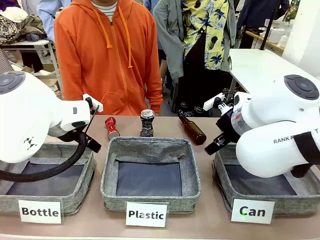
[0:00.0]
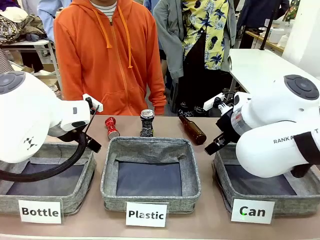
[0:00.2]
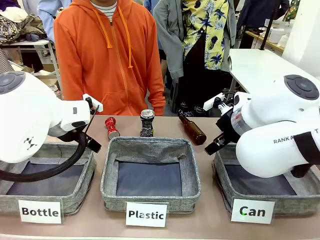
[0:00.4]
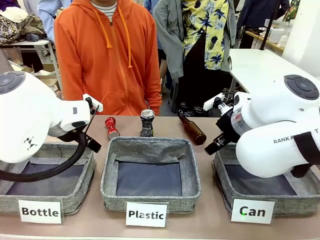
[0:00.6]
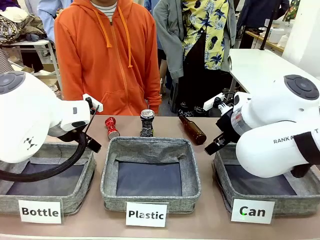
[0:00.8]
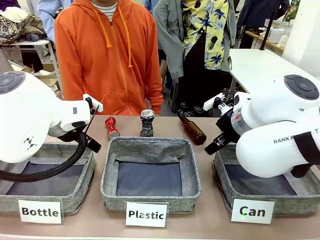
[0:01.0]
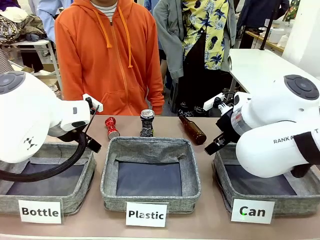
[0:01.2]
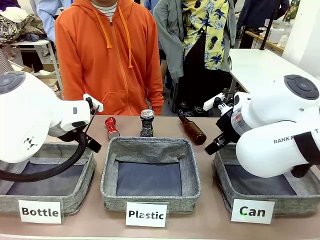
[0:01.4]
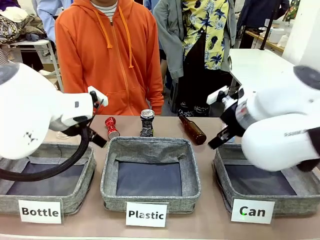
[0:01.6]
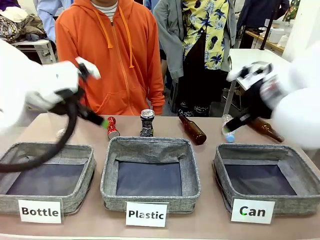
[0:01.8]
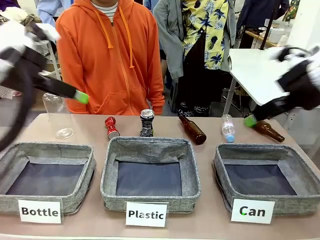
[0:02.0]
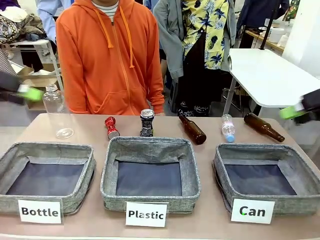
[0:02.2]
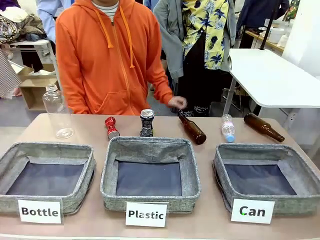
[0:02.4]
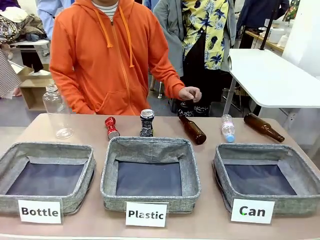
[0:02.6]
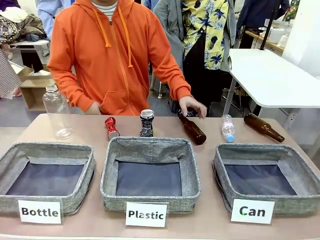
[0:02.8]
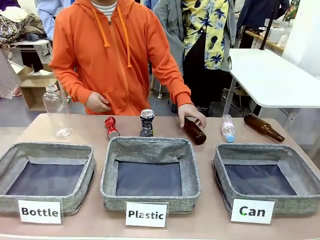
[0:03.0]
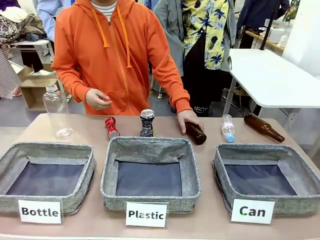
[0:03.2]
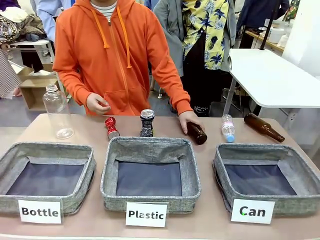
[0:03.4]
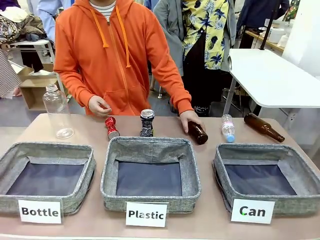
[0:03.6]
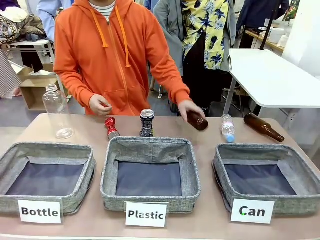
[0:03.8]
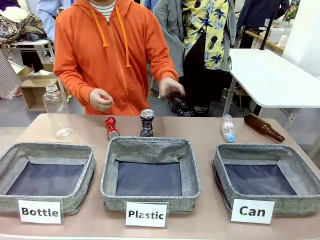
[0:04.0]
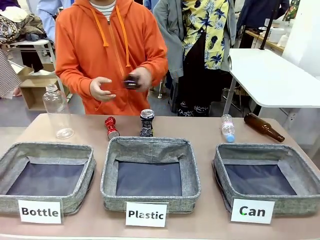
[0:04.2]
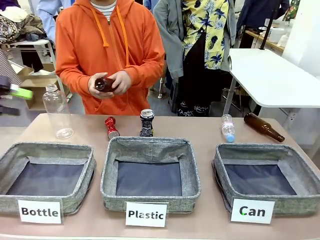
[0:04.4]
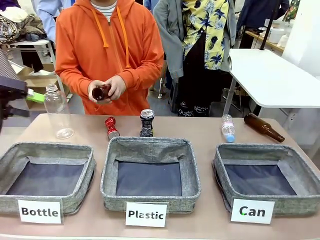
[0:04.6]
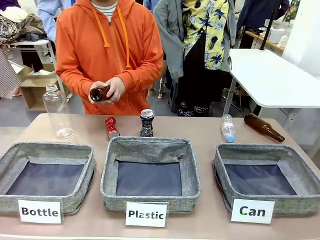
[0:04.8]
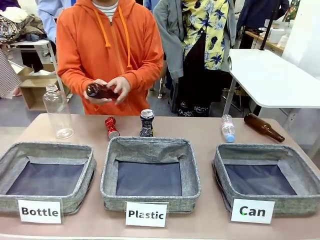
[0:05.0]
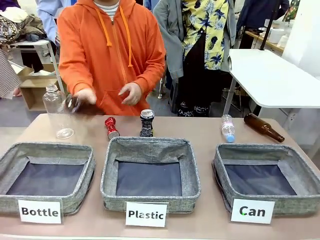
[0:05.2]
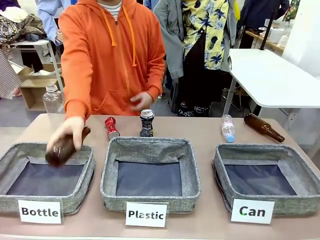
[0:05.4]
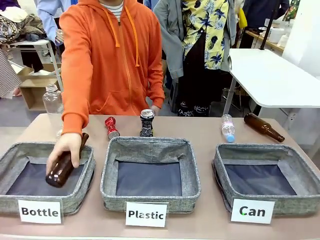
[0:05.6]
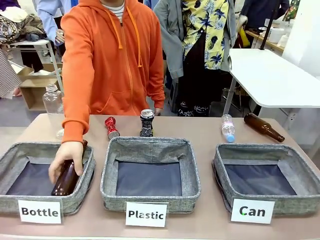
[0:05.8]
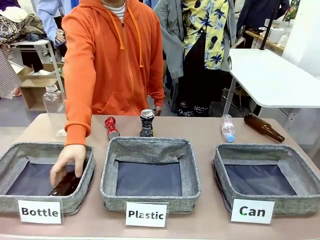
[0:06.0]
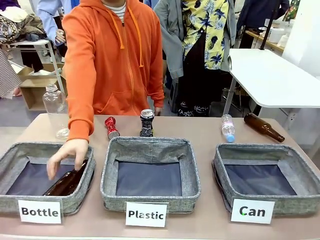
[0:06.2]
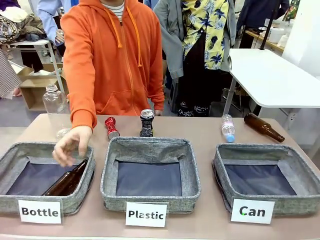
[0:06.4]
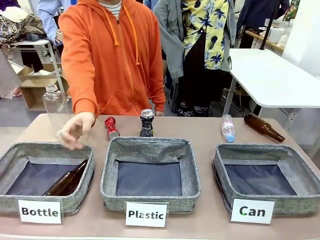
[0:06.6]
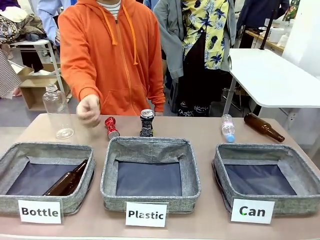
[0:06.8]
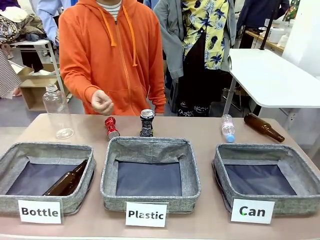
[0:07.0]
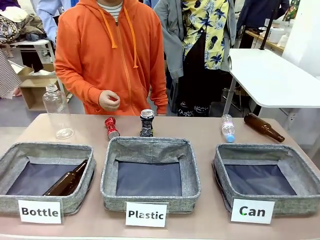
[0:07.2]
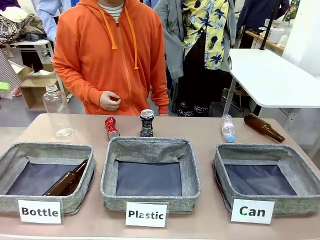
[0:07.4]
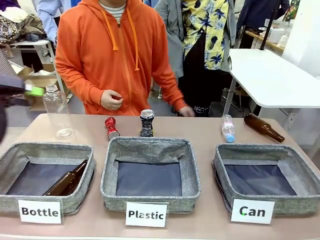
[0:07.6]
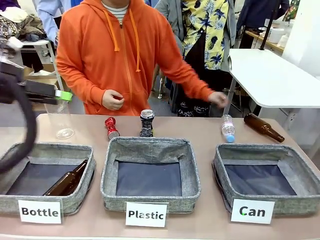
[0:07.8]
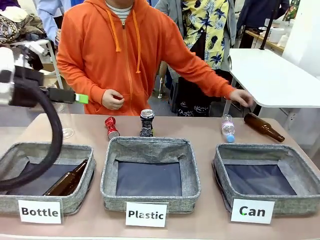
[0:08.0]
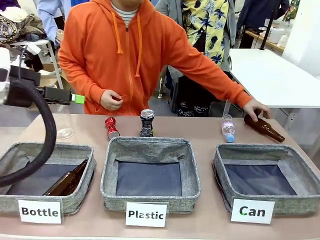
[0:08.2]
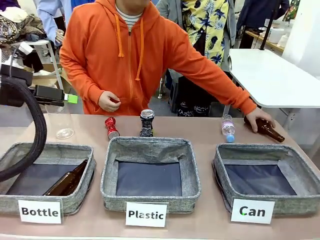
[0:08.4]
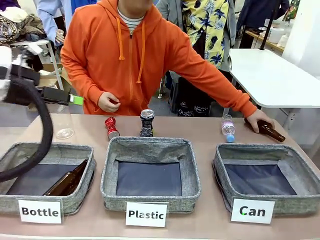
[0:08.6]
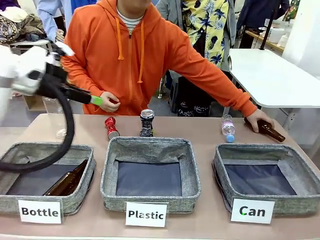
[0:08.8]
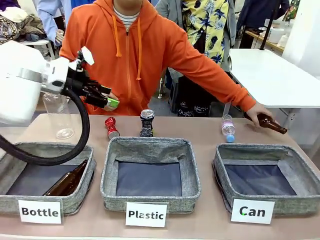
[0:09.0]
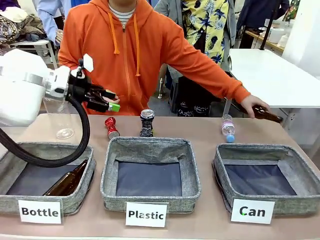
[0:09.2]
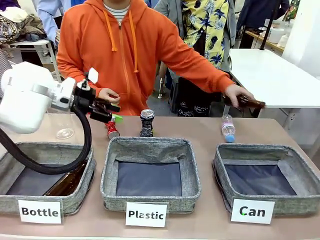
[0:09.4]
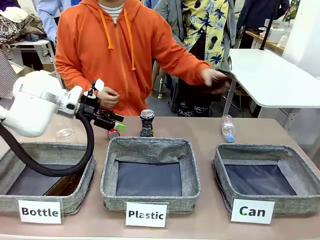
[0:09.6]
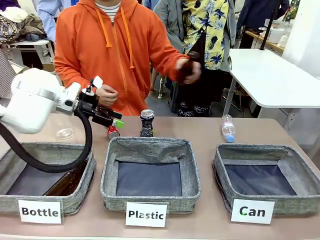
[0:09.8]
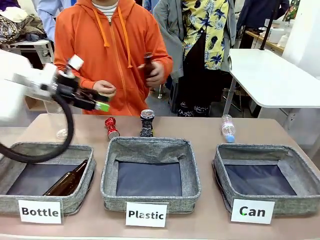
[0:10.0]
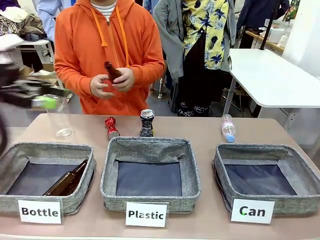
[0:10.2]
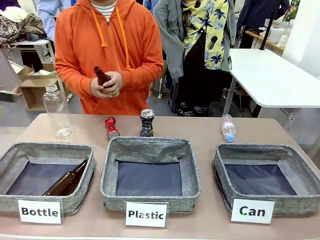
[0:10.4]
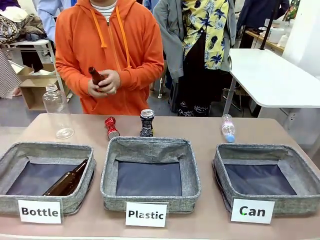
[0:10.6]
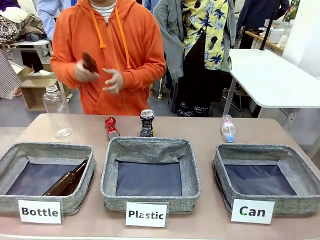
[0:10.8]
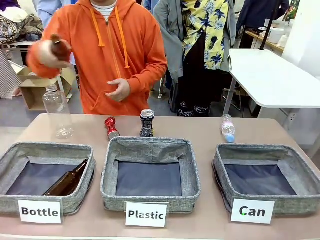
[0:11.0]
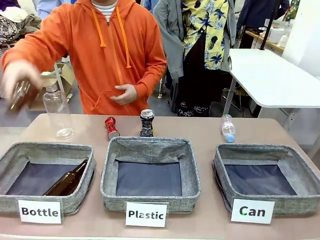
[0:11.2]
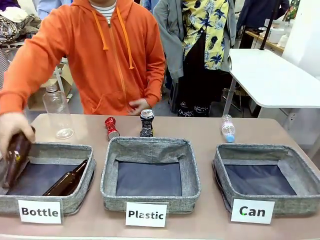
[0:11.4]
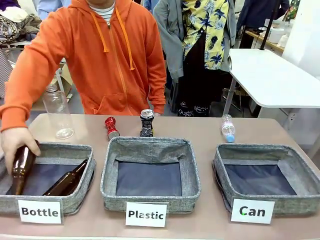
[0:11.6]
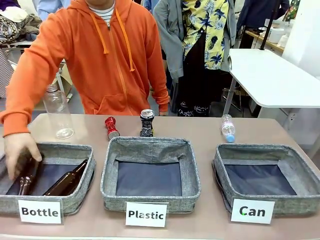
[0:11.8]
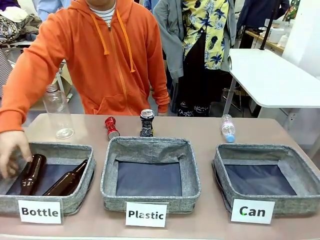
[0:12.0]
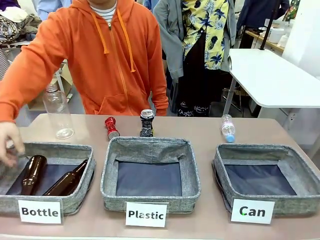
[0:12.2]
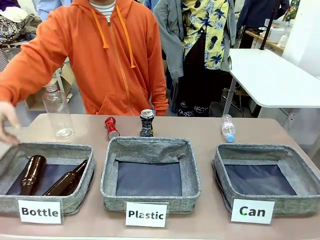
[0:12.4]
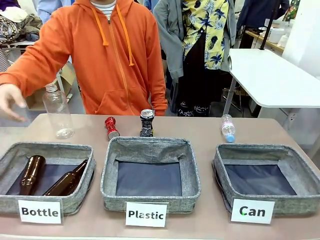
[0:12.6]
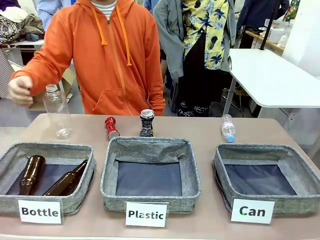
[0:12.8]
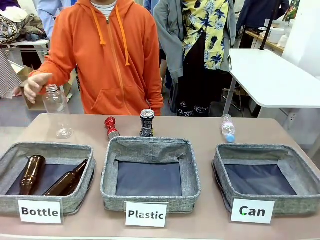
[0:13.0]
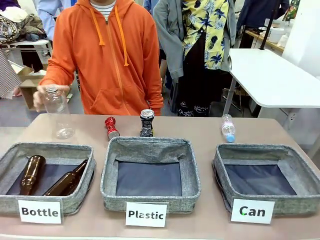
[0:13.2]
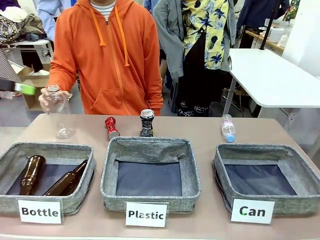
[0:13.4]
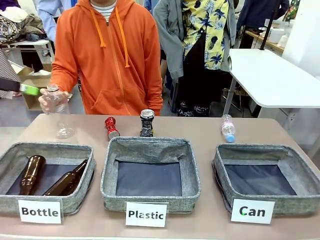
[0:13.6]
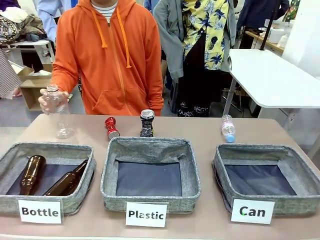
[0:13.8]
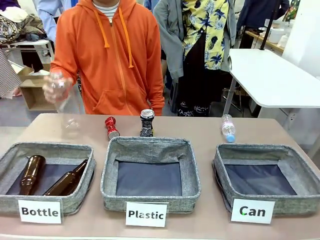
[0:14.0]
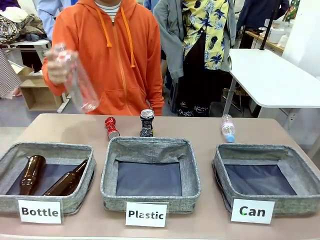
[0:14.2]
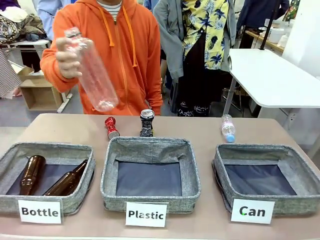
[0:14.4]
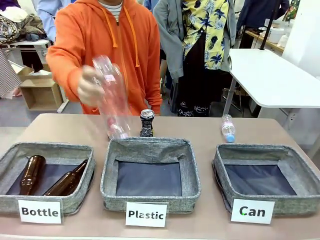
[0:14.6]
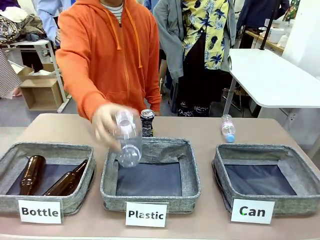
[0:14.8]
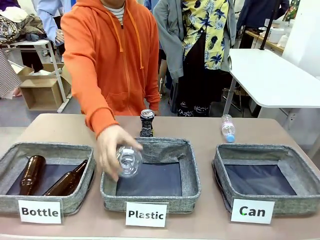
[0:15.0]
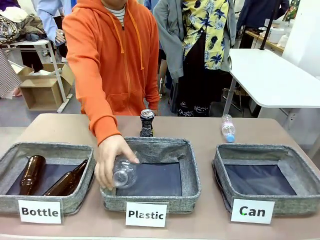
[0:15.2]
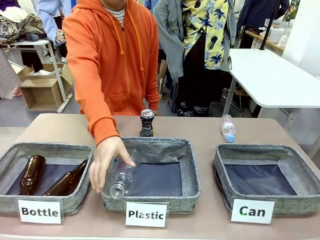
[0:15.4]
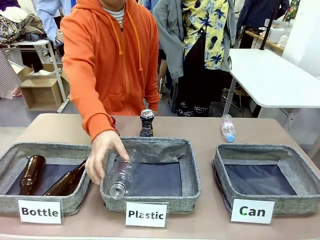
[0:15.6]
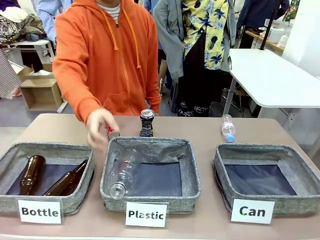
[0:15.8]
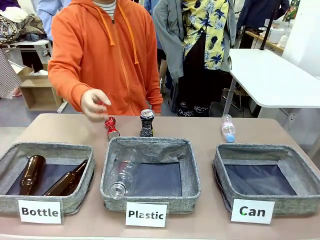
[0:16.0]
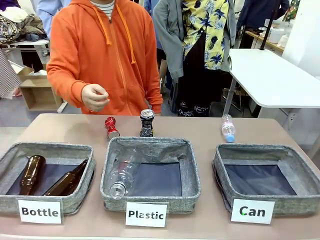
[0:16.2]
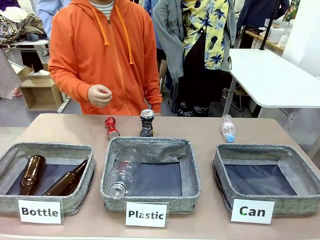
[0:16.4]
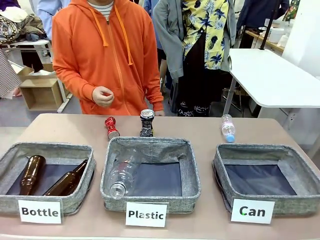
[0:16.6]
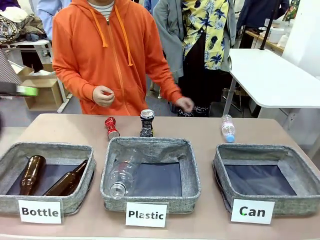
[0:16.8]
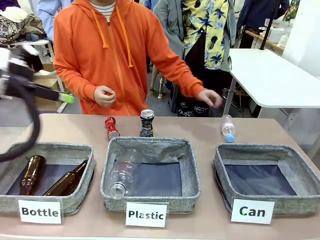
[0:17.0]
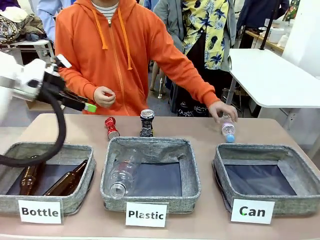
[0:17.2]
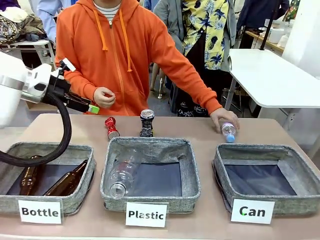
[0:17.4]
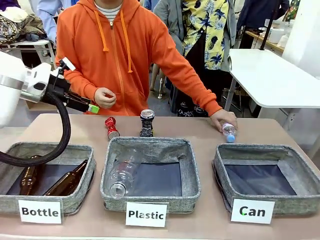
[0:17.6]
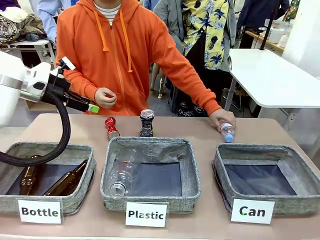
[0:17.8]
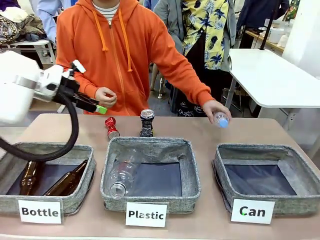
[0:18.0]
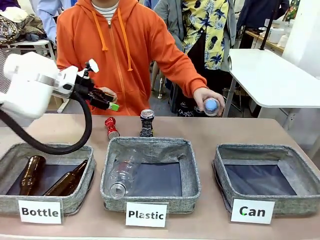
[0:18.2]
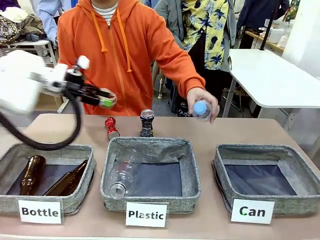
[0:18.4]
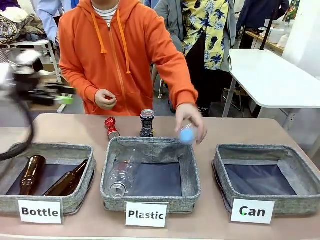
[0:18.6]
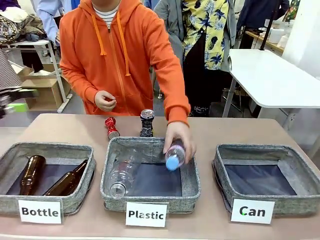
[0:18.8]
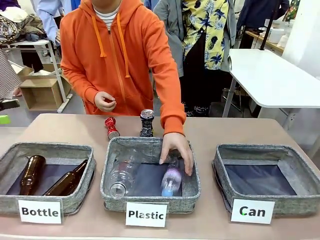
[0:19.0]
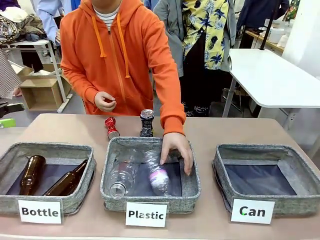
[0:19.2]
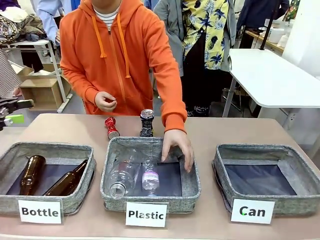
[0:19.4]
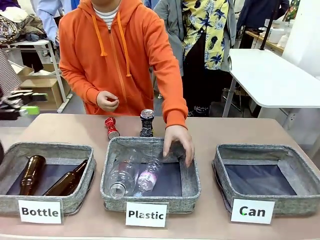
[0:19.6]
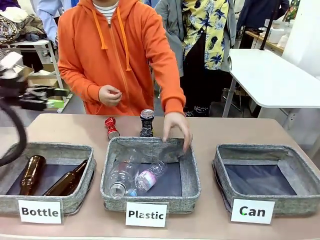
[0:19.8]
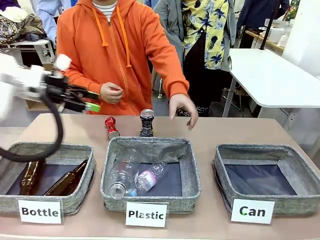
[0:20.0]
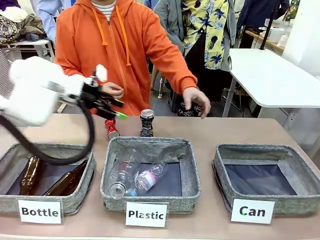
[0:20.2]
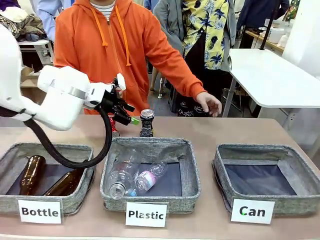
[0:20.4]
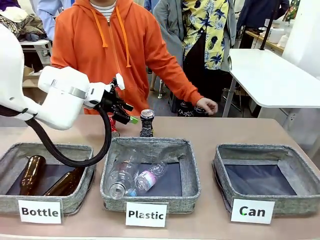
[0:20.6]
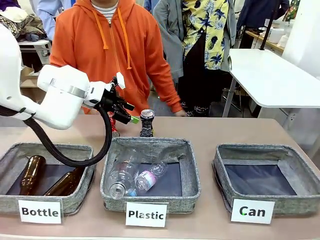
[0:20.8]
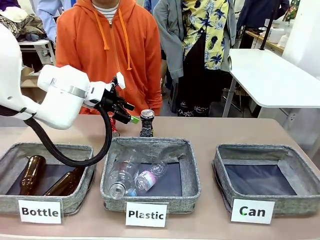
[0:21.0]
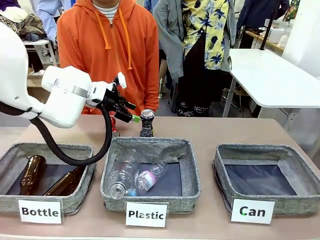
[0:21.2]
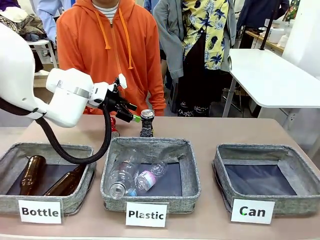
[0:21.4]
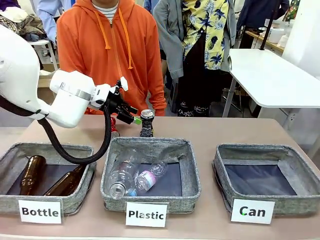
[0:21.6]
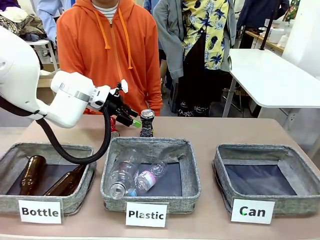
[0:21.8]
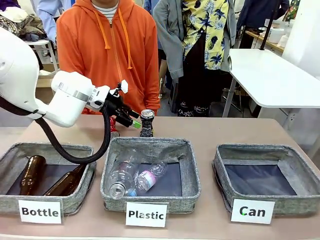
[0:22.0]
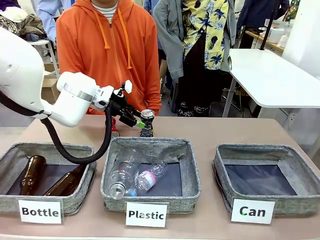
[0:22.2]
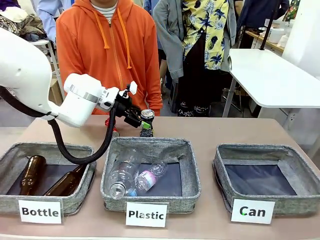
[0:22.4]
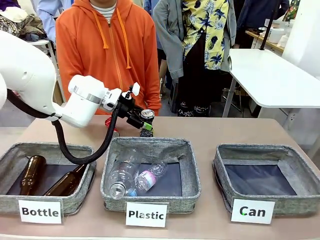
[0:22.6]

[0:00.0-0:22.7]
Task: Sort the can waste into the basket.
Robot: Pick up the can waste from the table and place it in the right Fabric basket.
